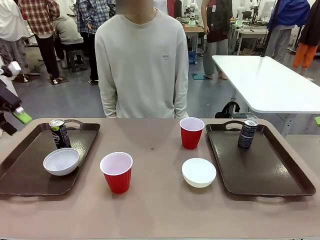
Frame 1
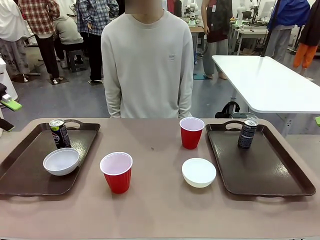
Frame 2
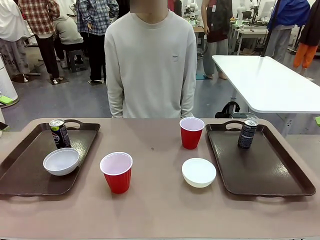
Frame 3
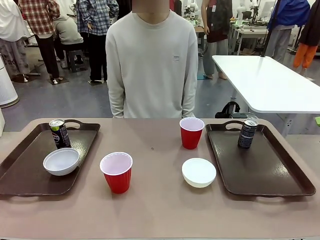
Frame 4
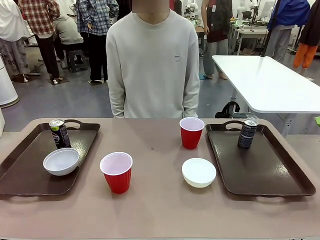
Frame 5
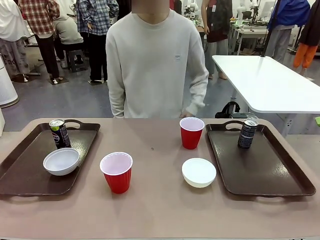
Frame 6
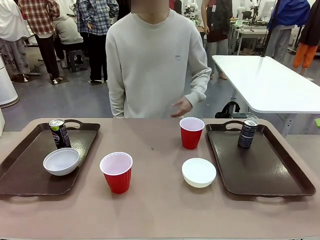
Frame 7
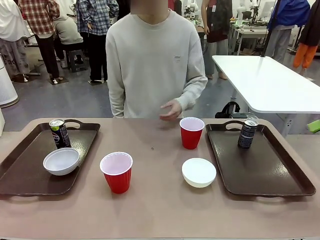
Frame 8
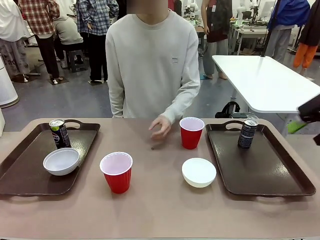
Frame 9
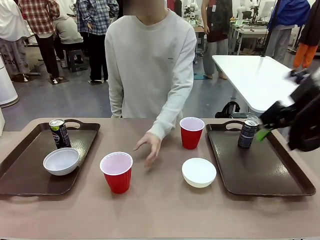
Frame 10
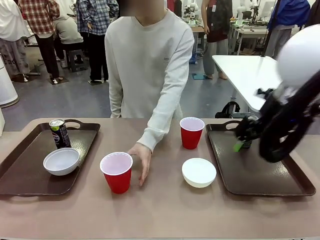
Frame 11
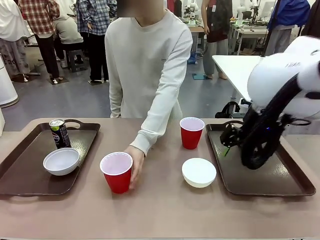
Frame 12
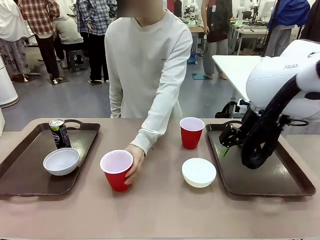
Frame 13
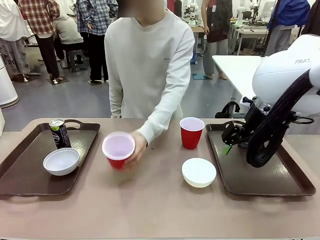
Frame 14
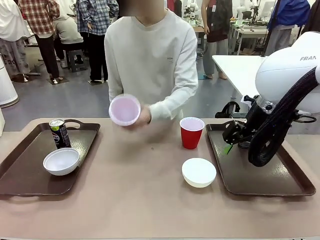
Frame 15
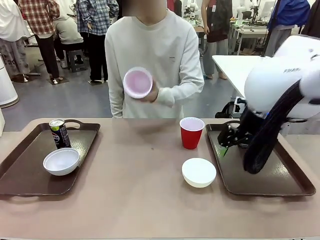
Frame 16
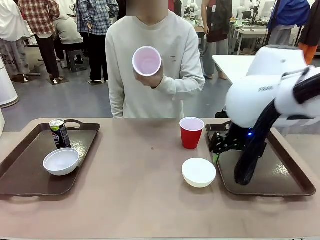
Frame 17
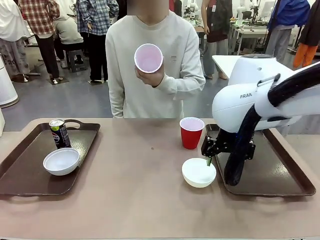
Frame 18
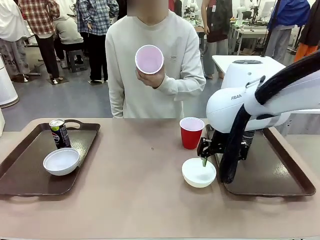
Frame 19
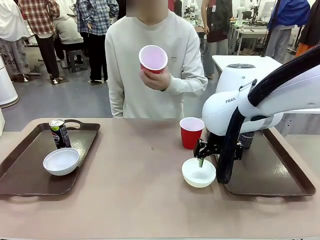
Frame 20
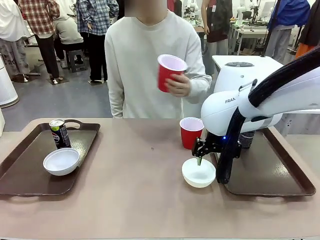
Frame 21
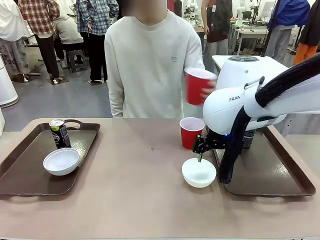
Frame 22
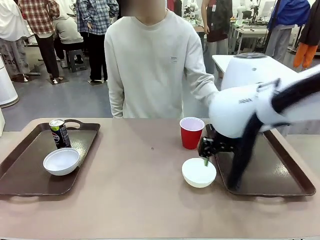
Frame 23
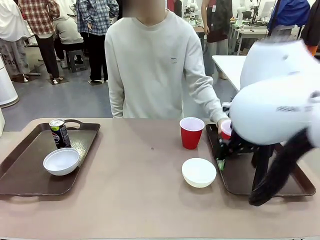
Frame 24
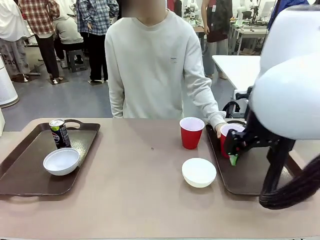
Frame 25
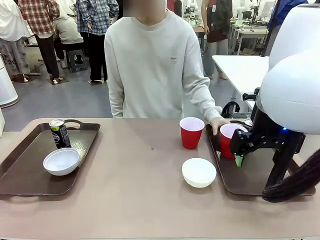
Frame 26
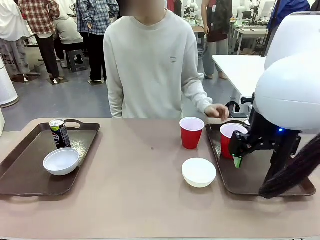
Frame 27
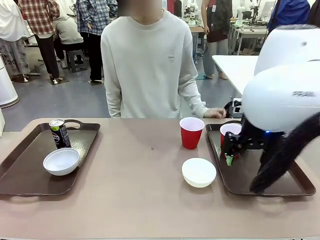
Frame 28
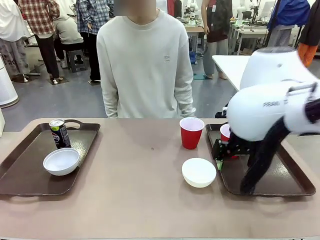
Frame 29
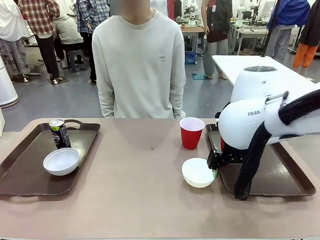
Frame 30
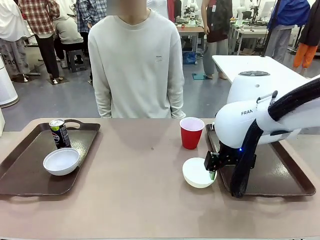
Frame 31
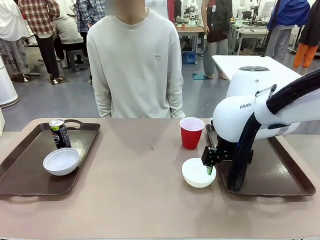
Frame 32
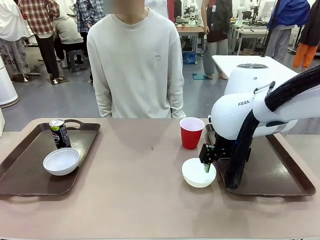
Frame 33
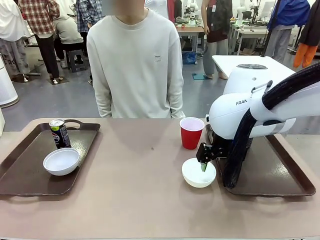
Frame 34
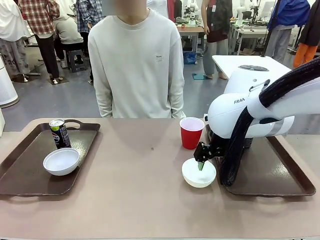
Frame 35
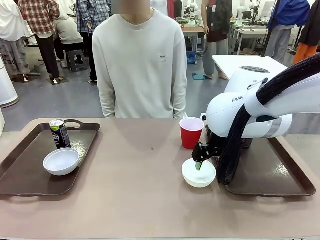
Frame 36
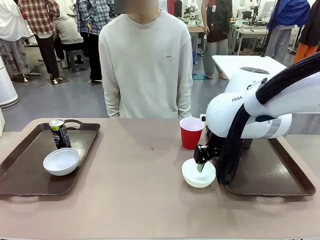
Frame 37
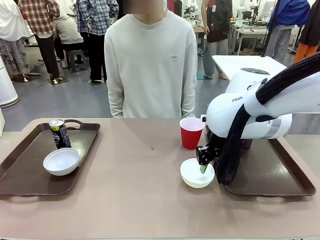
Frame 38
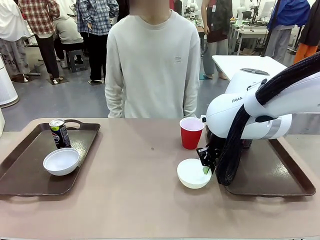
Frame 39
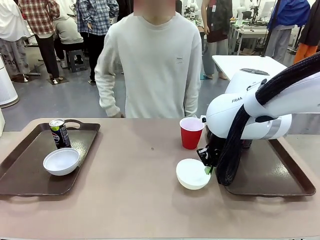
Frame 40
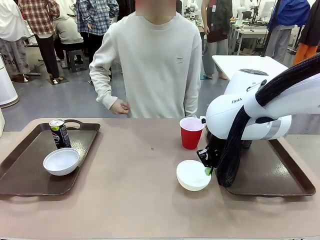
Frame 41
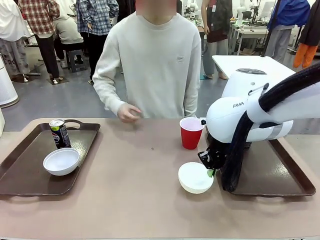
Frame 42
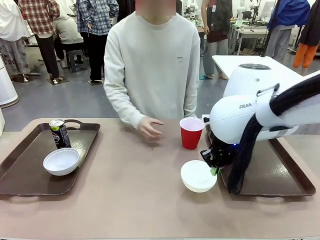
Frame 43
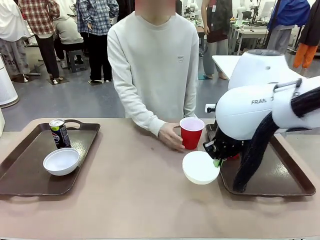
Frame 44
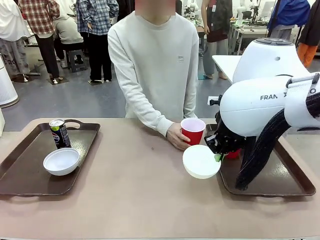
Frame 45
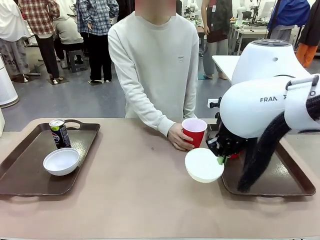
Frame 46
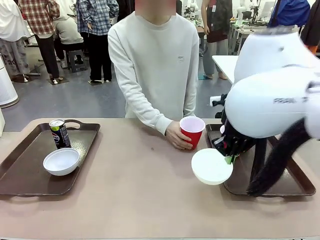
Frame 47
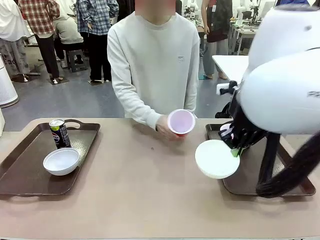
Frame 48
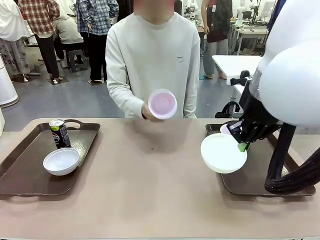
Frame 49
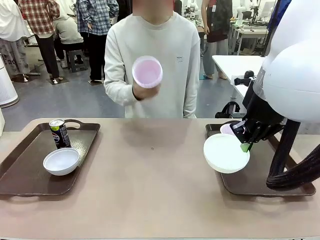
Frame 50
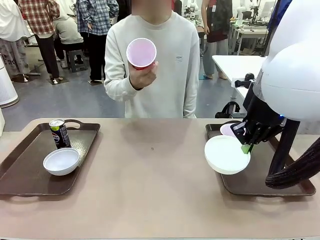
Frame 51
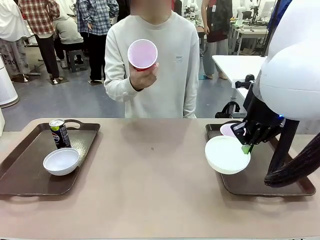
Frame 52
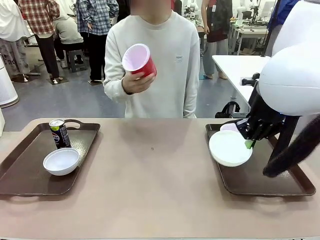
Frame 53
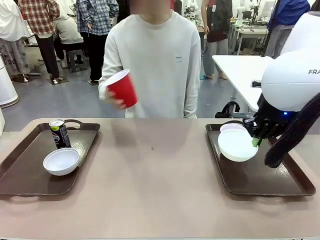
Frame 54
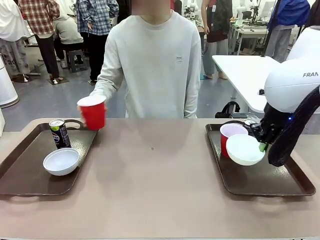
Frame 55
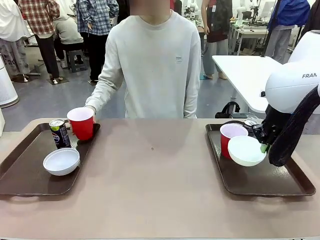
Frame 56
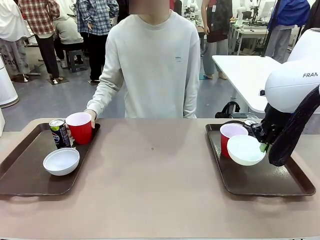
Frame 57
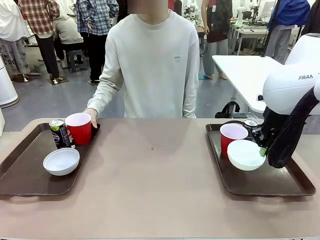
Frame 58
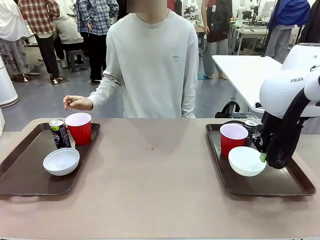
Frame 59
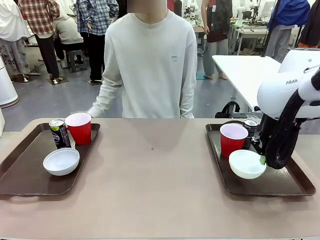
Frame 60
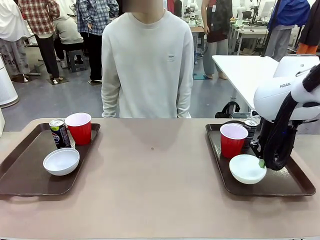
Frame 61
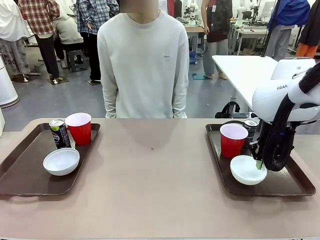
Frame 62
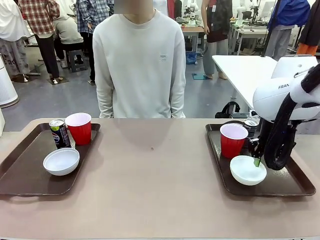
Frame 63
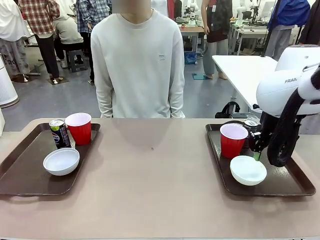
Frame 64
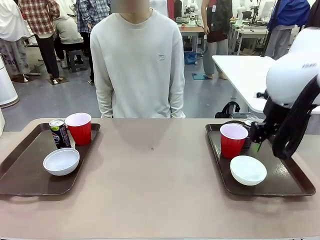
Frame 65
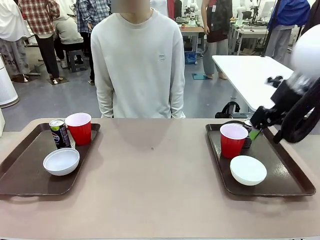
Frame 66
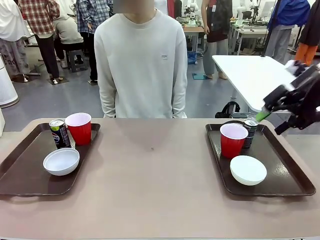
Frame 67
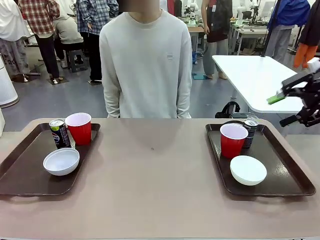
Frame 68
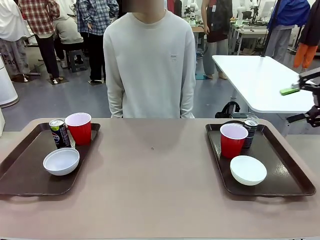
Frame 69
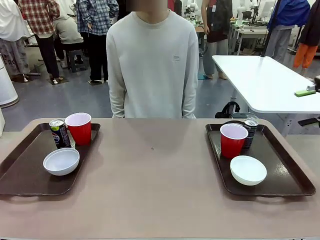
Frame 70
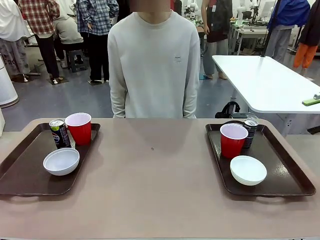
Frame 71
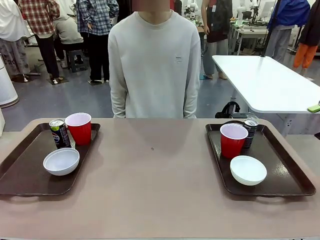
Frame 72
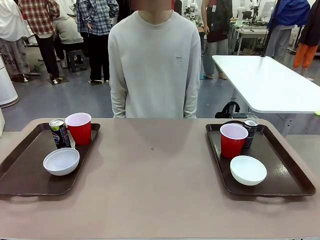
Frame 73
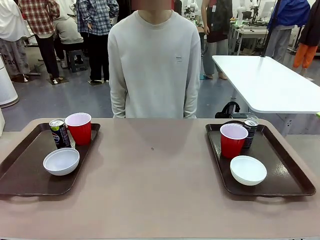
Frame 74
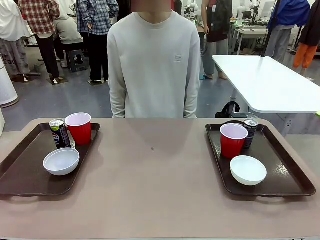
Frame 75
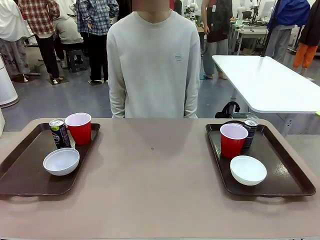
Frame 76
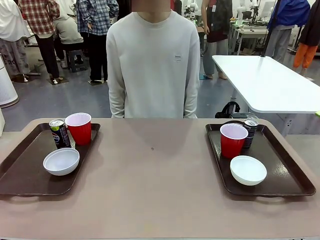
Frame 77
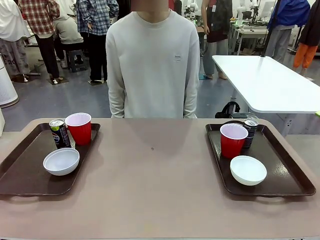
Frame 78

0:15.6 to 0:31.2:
Task: Prepare tableware on both trays.
Robot: Pick up a Picnic Bowl from the table and place it on a Handle tray.
Person: Pick up a can or cup and place it on the tray without a can or cup.
